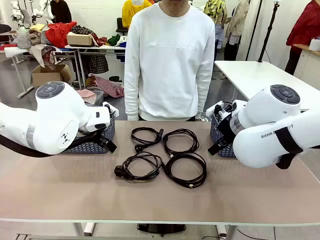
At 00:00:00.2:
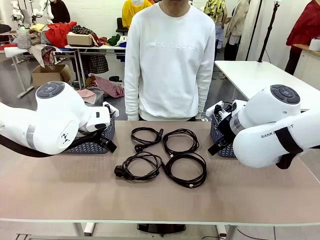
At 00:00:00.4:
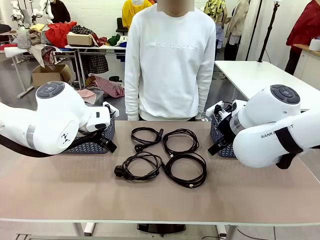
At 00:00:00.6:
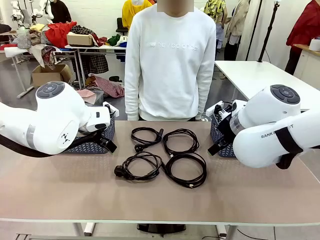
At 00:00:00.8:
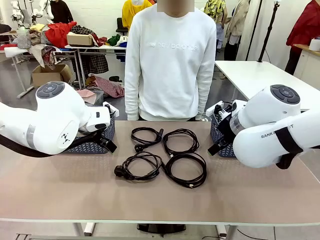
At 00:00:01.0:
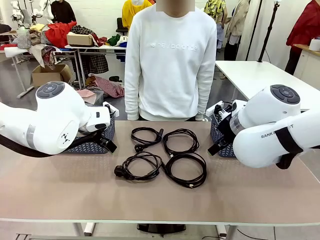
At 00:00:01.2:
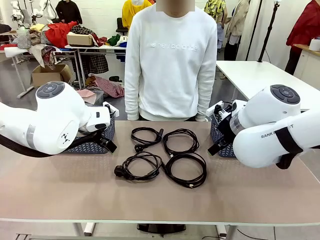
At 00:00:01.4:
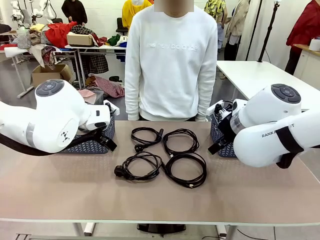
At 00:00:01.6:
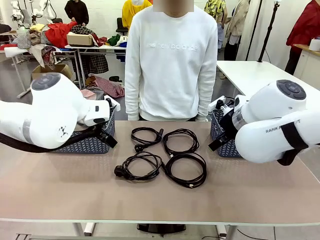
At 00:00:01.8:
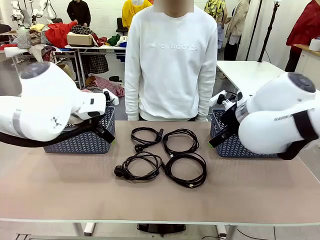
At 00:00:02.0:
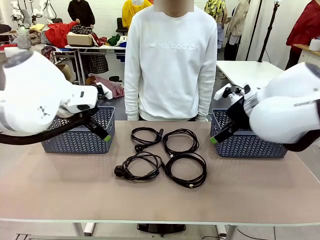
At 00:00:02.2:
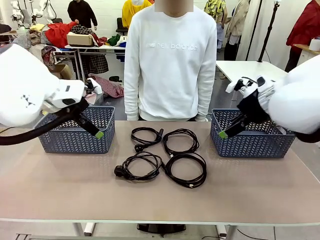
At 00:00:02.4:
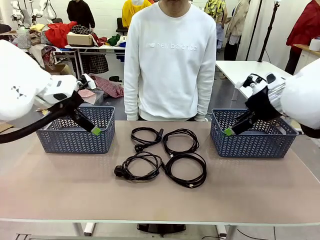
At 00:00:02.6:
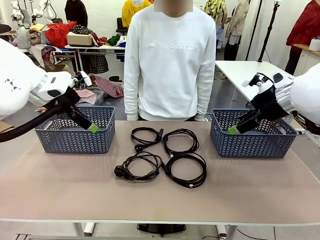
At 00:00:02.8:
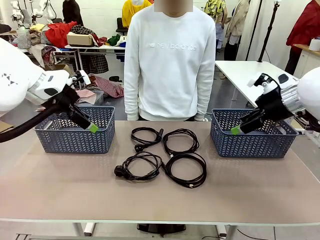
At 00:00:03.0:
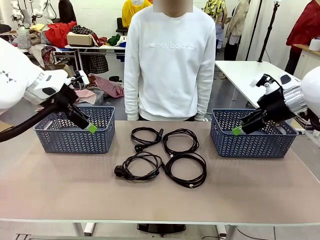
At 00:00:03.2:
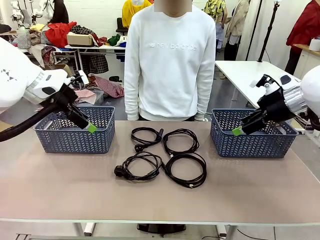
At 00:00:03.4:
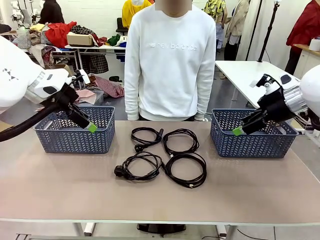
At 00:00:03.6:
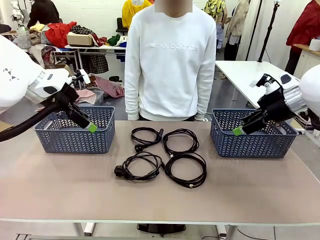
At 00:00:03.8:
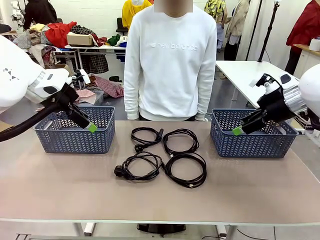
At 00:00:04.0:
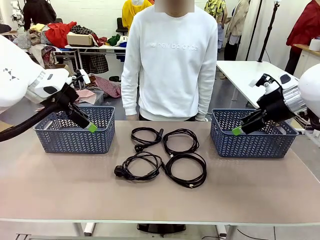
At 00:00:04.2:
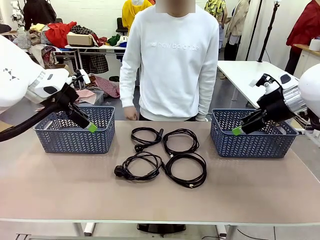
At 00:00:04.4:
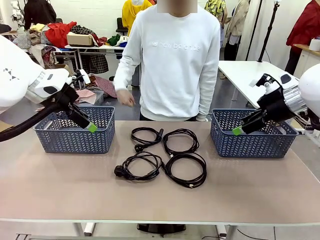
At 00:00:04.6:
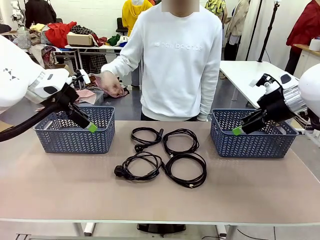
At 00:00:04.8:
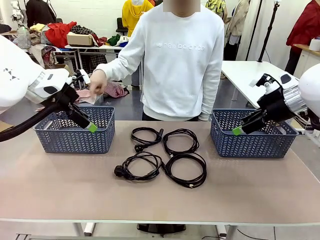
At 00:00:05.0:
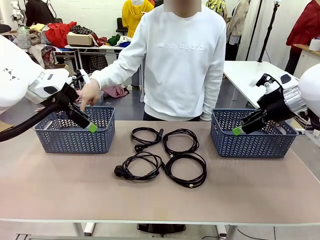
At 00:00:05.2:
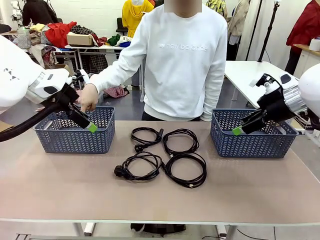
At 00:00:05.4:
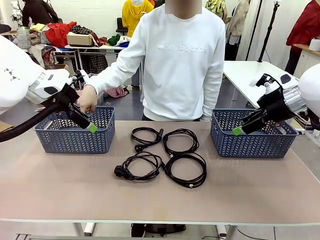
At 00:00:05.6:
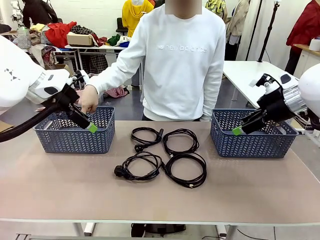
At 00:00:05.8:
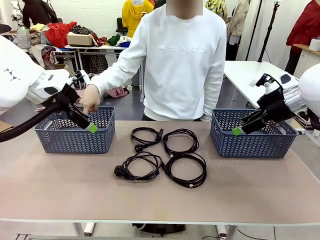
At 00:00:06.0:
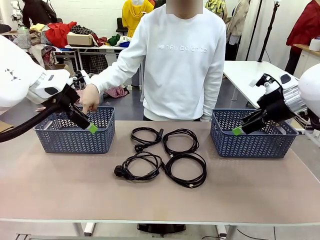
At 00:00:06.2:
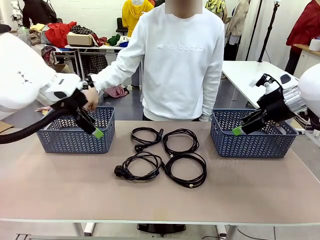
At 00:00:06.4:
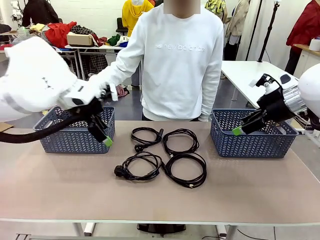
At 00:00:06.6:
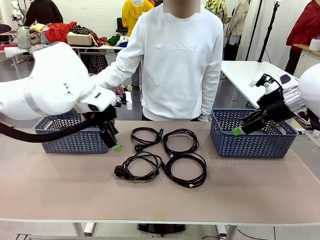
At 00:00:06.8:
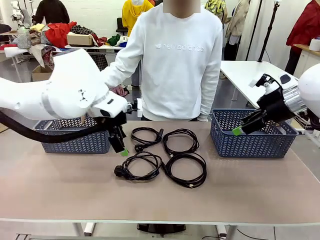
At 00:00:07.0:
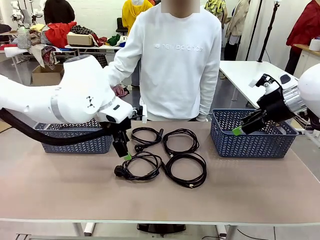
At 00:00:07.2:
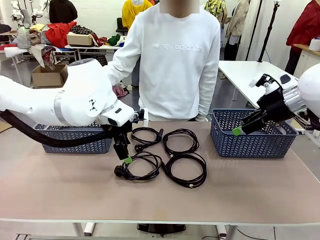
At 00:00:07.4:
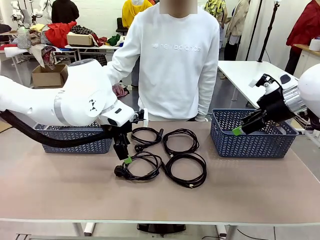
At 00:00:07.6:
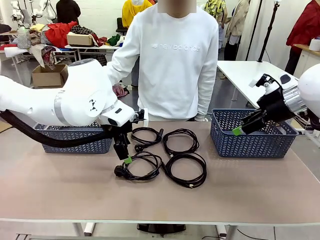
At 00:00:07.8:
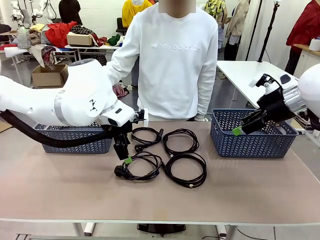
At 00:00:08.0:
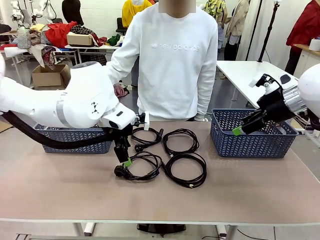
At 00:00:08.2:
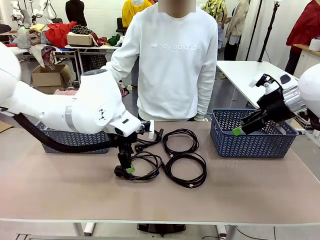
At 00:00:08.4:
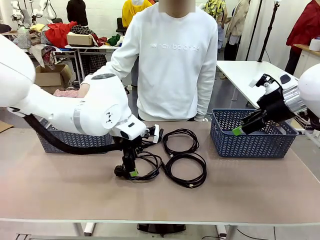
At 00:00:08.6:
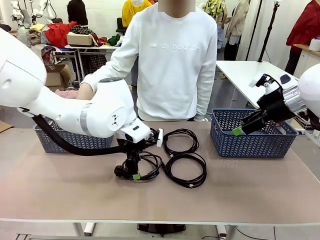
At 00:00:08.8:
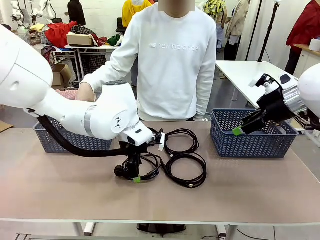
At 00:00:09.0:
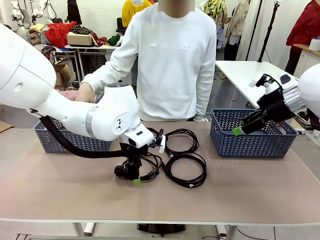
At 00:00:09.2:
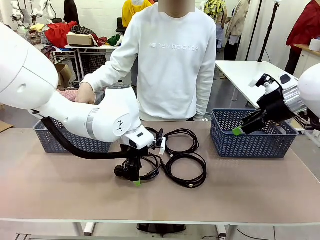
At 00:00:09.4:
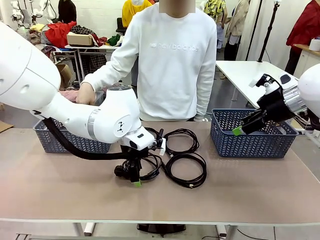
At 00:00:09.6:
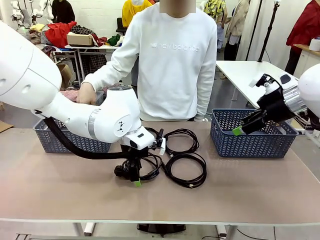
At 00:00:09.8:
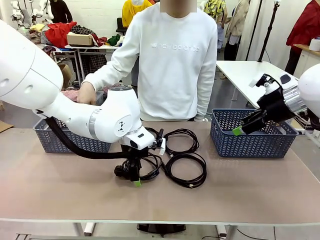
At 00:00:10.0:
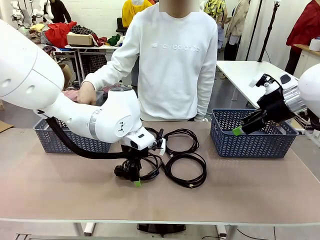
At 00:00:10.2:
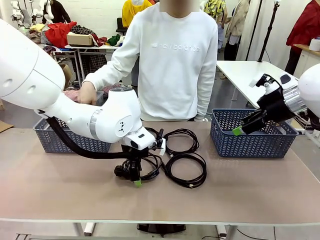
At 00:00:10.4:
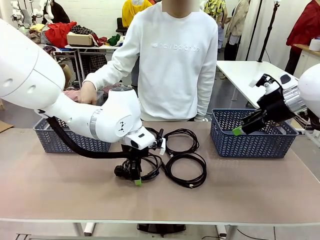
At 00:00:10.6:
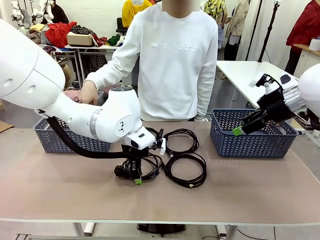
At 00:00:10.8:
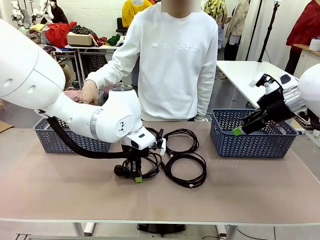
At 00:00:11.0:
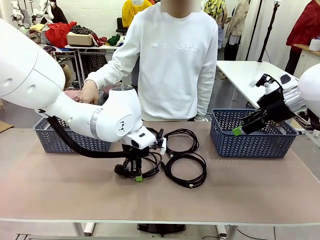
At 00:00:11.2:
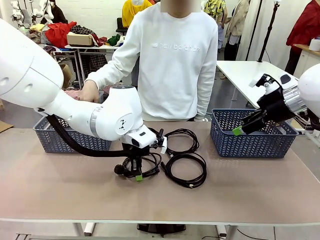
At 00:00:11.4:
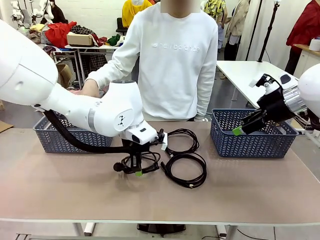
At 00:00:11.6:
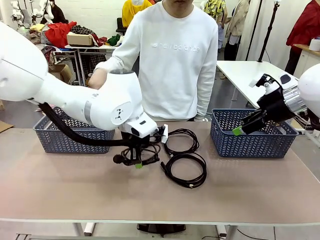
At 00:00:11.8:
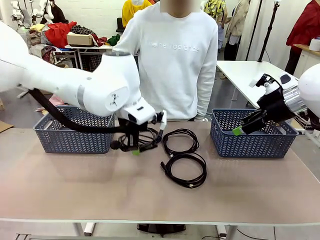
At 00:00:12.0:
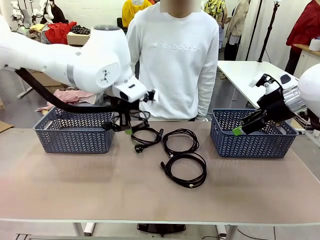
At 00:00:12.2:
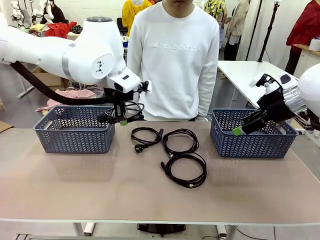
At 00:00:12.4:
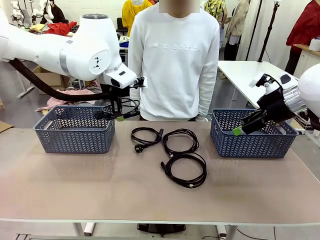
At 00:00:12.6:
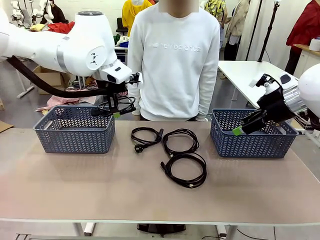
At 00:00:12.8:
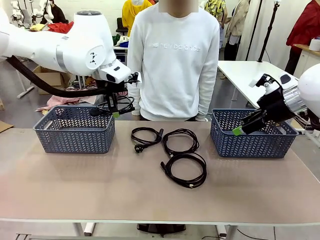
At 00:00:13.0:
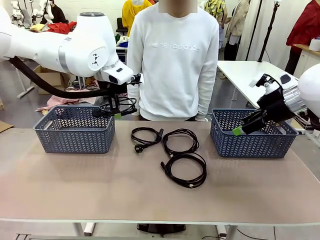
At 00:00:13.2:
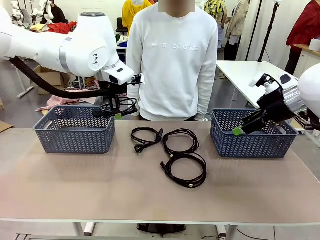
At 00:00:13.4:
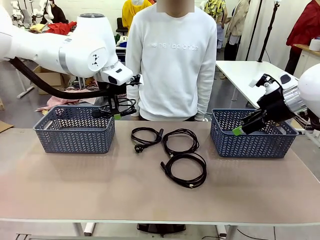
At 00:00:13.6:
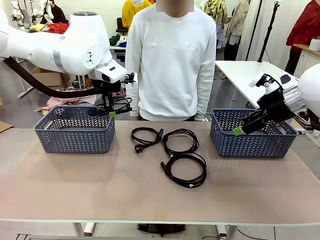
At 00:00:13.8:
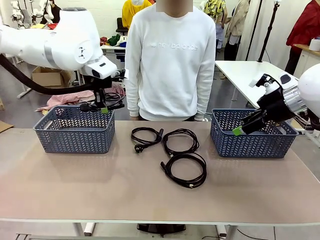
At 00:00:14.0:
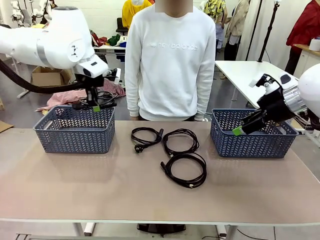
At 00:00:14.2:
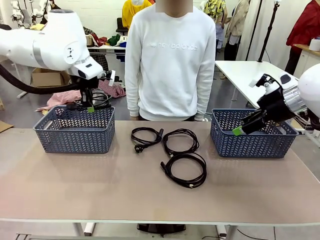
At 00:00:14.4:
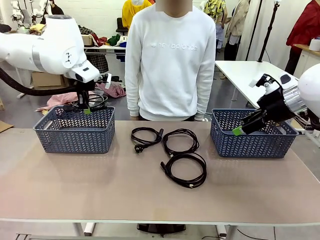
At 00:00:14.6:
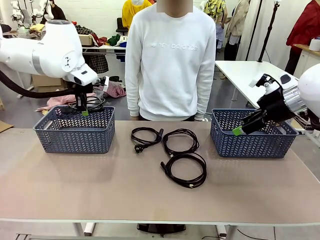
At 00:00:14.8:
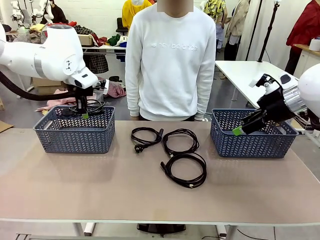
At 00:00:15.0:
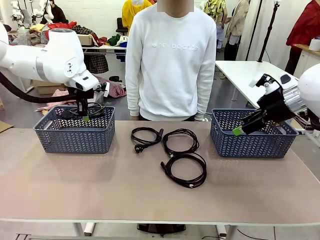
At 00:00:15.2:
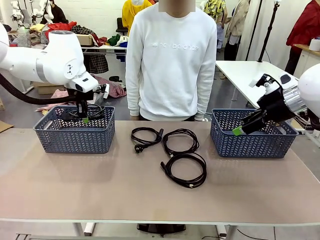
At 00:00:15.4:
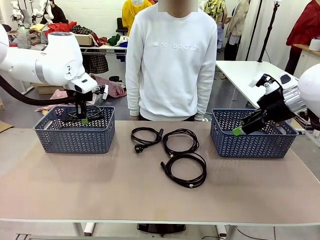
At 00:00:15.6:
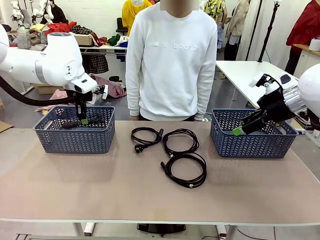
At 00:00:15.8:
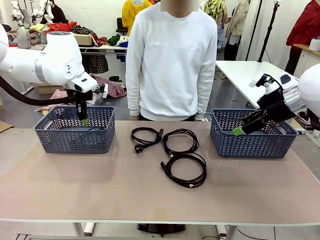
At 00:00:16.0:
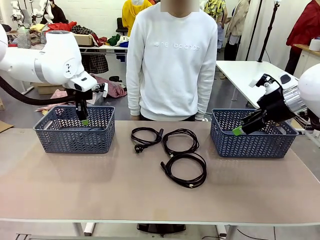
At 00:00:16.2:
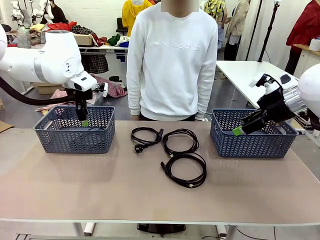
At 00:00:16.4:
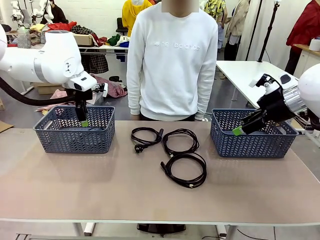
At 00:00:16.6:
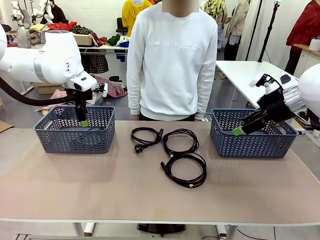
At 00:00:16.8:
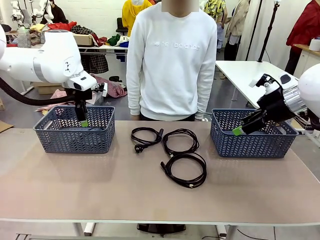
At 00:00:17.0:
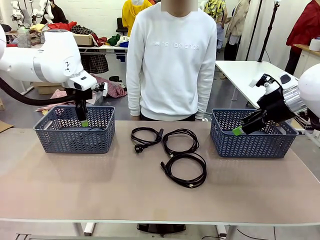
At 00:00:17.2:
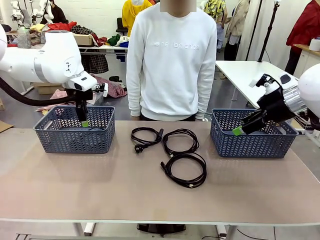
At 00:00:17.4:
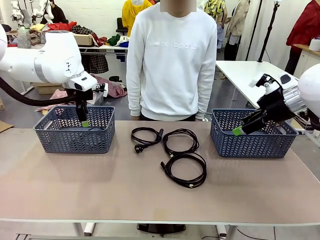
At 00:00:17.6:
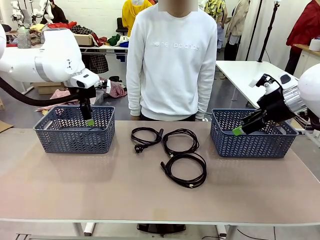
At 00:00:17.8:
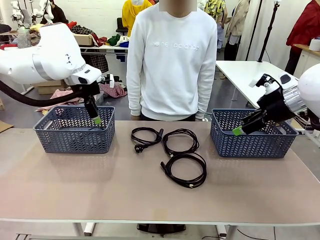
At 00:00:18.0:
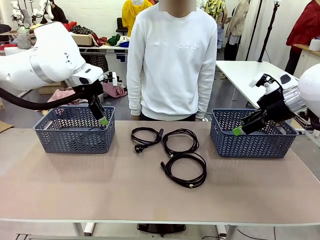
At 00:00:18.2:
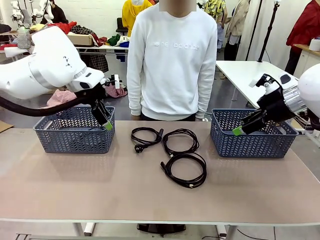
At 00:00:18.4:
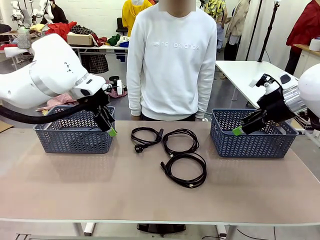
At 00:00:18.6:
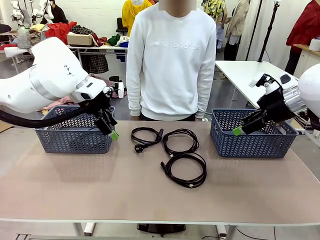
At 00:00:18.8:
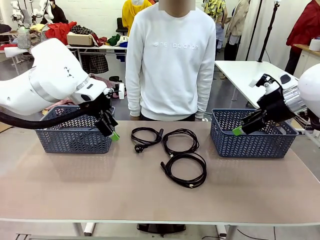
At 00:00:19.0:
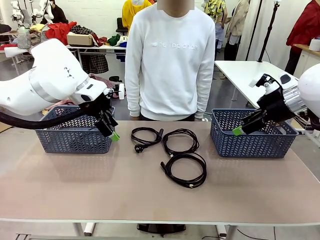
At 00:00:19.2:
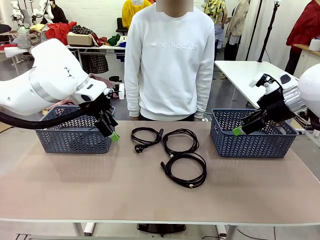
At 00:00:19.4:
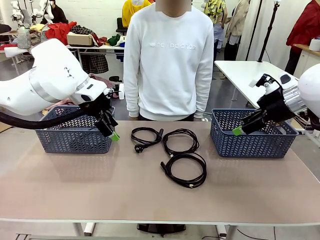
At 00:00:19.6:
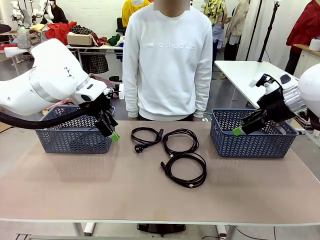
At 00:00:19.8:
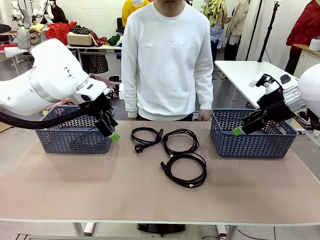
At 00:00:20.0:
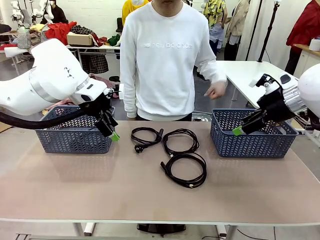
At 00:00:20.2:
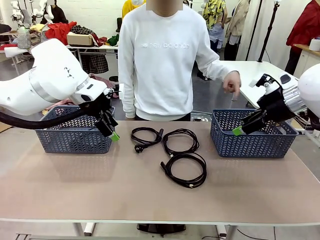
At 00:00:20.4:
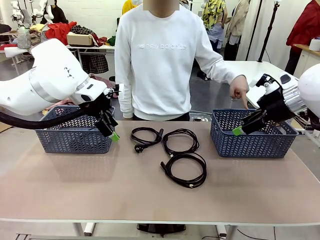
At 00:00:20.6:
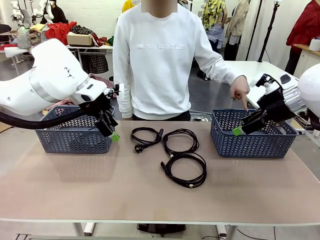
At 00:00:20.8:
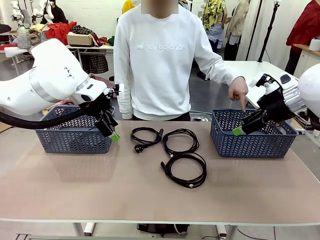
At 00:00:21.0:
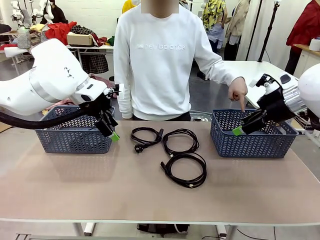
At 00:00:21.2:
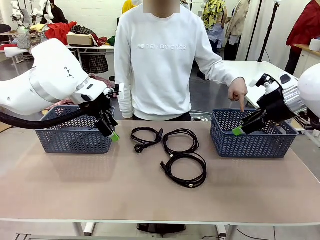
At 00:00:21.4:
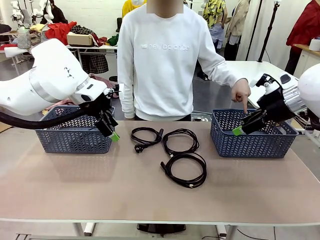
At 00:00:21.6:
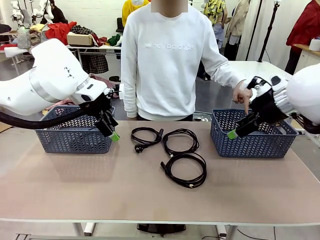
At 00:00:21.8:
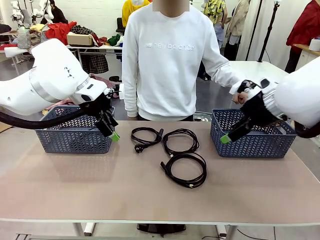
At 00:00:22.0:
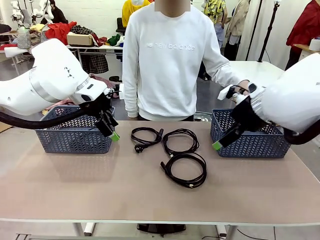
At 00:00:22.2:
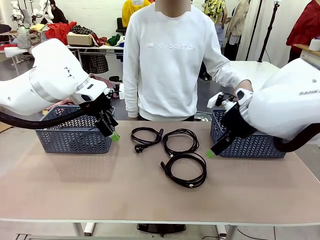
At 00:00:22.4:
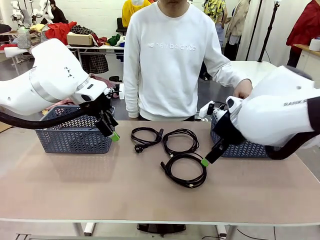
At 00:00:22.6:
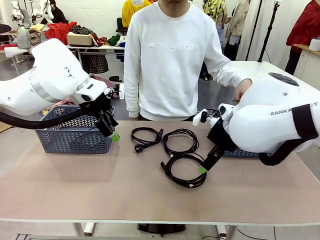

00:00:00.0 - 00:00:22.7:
Task: Organize the cables according to human instructions.
Robot: Pick up a bundle of cables and place it in the basket indicated by the human.
